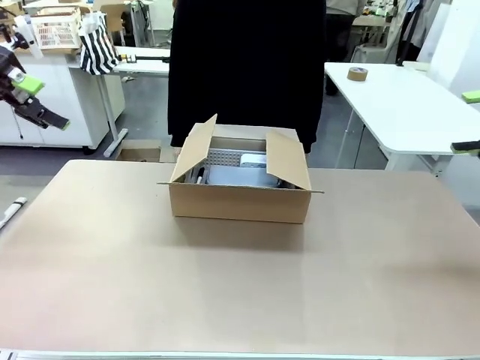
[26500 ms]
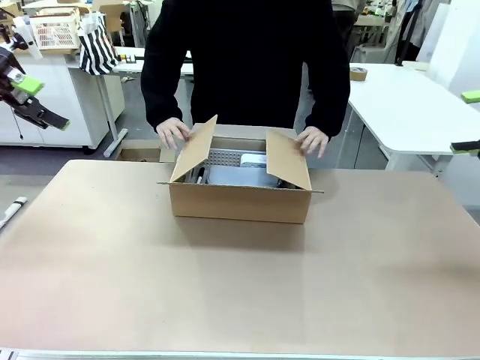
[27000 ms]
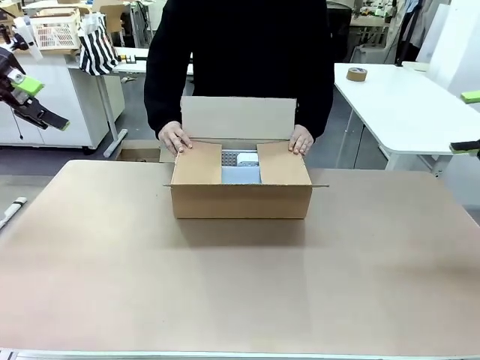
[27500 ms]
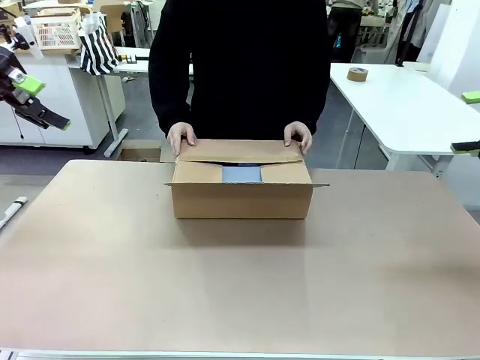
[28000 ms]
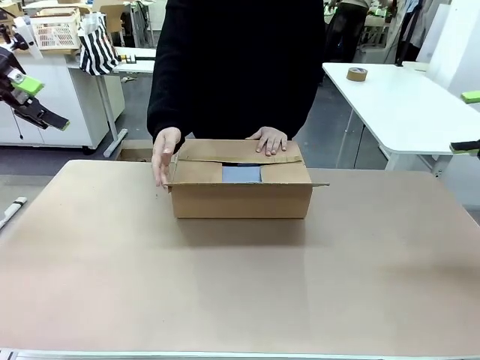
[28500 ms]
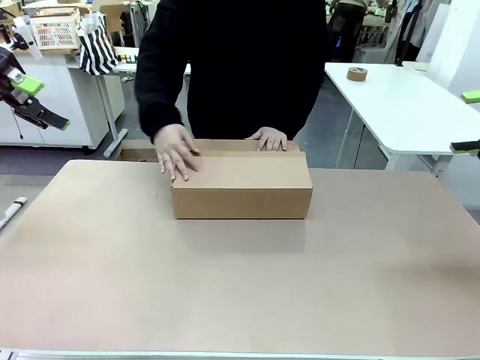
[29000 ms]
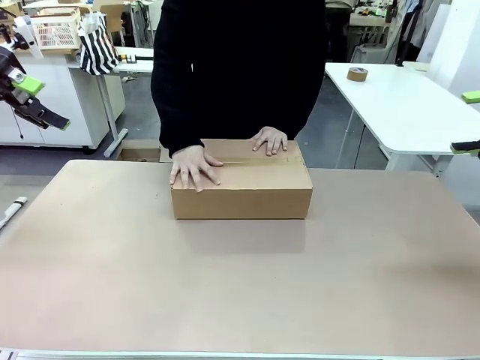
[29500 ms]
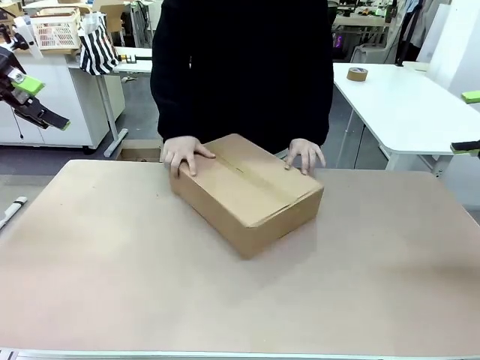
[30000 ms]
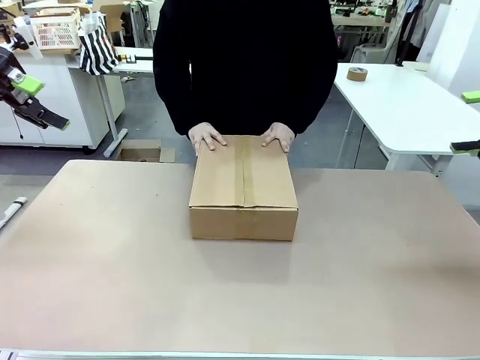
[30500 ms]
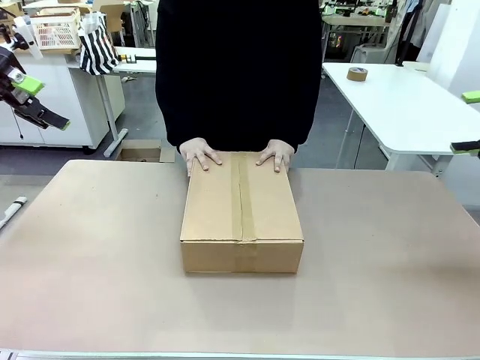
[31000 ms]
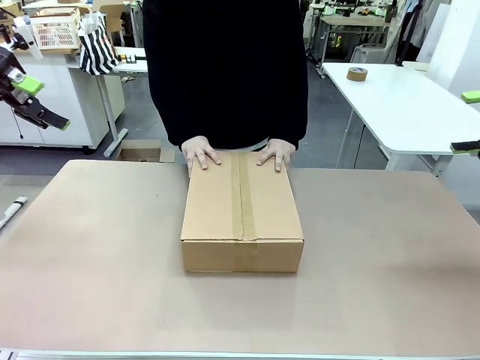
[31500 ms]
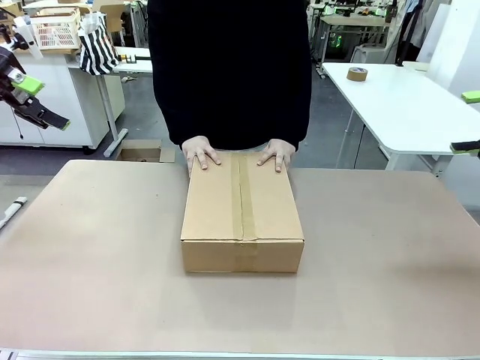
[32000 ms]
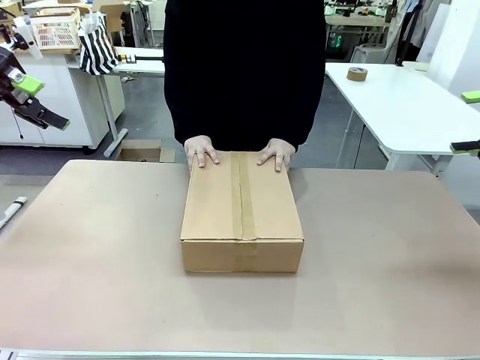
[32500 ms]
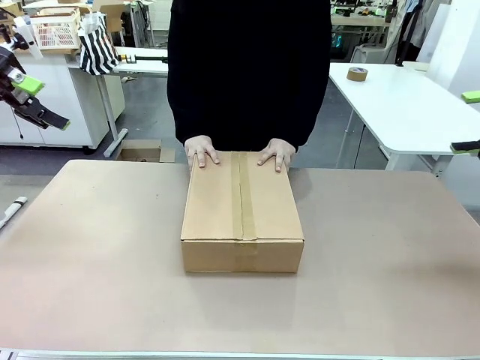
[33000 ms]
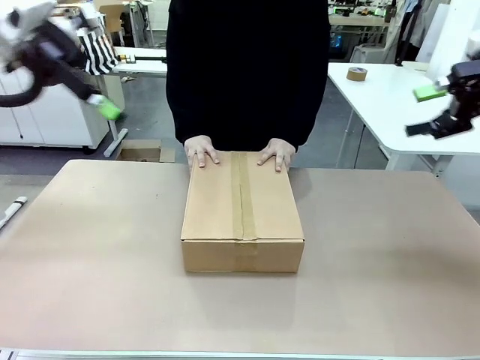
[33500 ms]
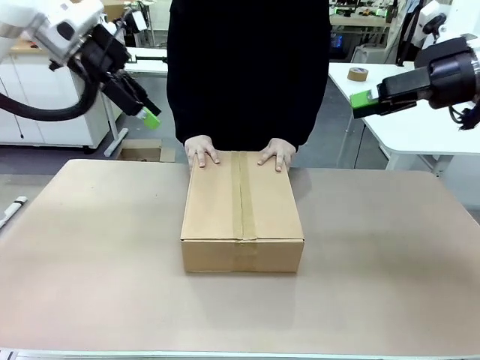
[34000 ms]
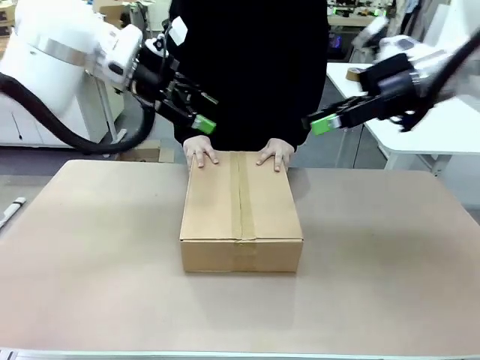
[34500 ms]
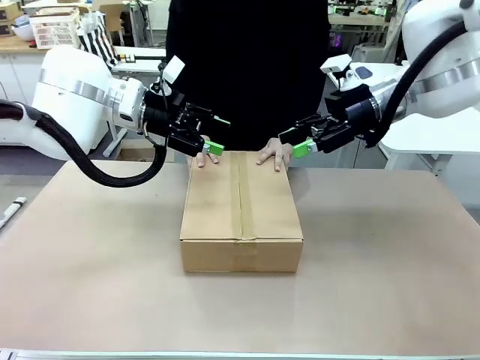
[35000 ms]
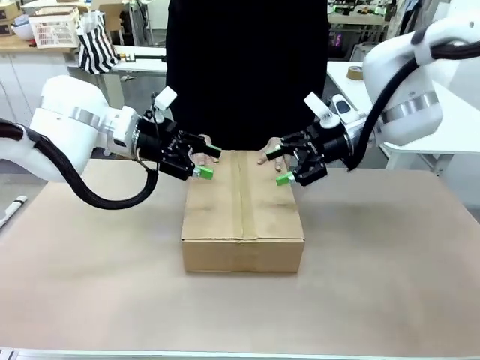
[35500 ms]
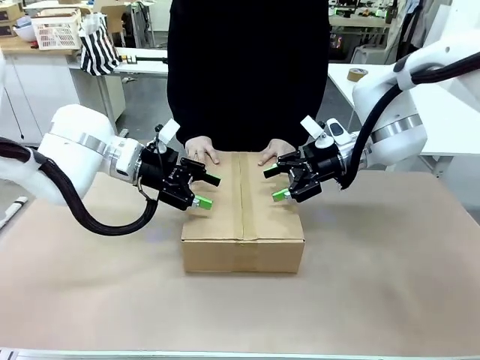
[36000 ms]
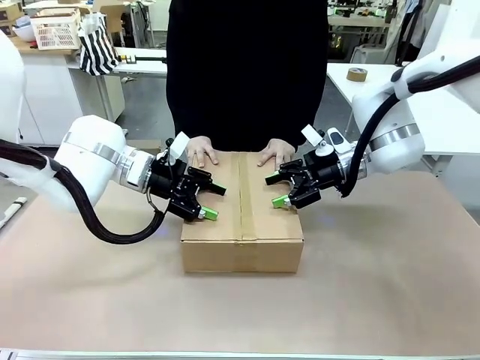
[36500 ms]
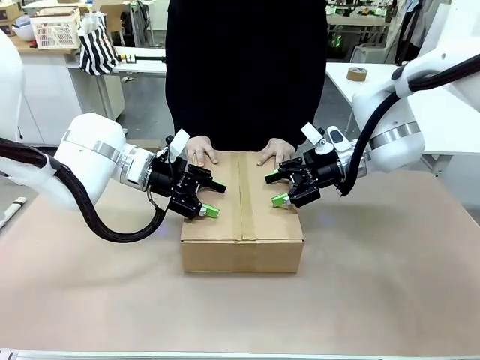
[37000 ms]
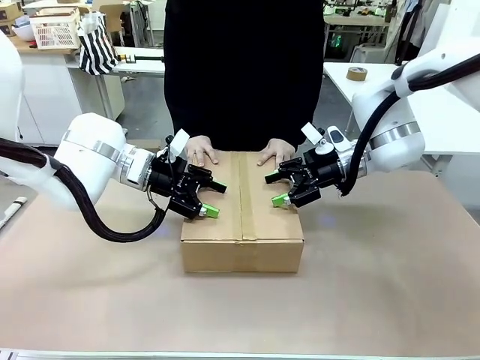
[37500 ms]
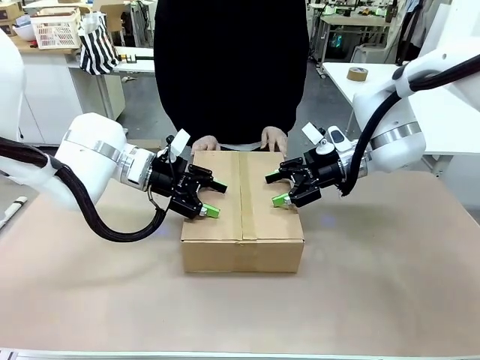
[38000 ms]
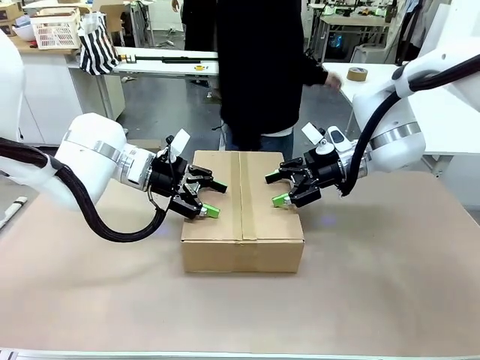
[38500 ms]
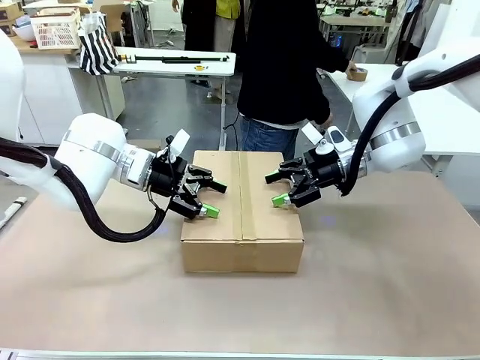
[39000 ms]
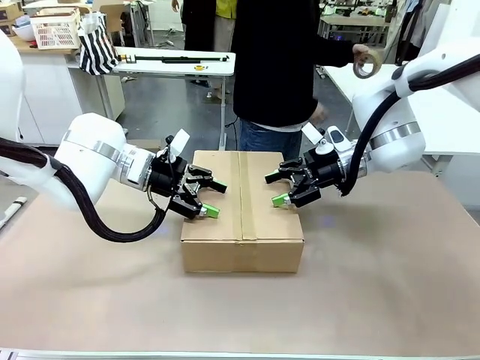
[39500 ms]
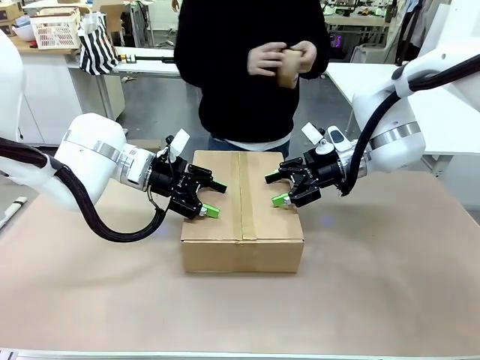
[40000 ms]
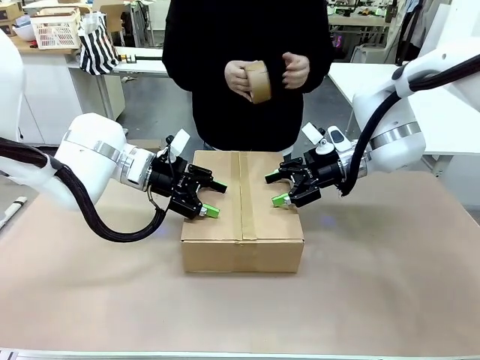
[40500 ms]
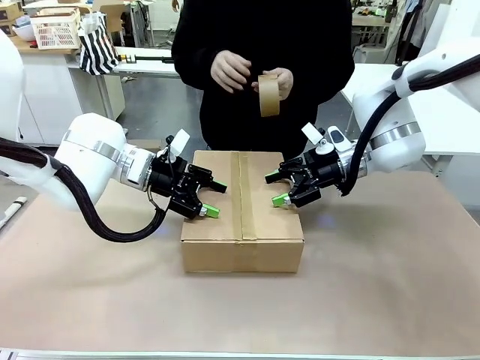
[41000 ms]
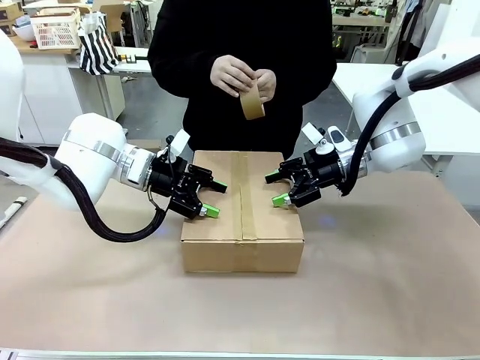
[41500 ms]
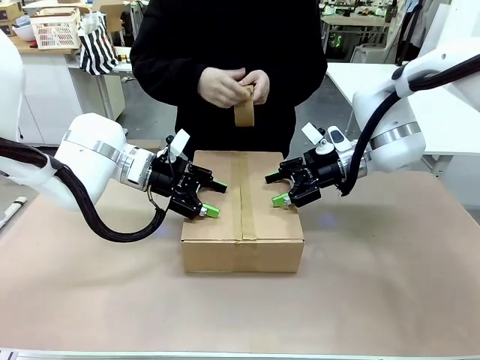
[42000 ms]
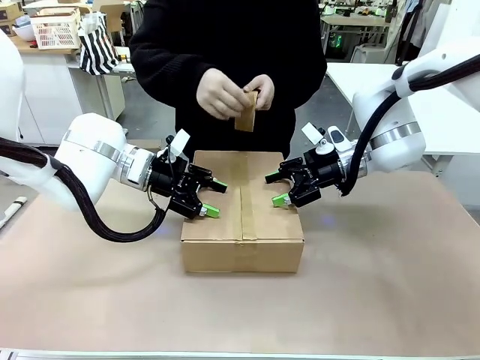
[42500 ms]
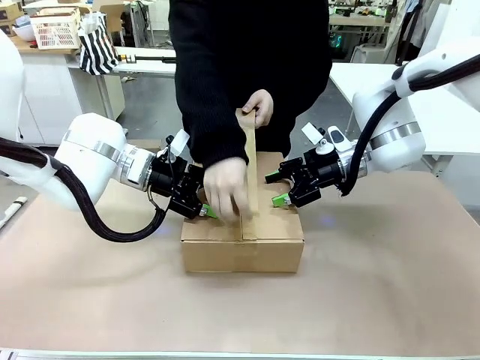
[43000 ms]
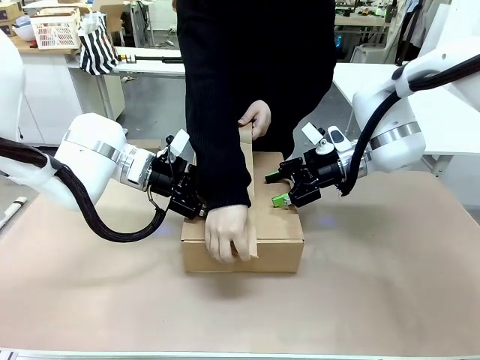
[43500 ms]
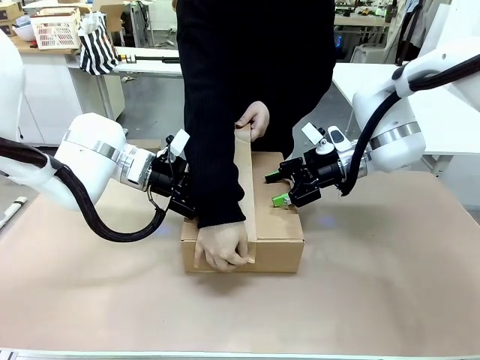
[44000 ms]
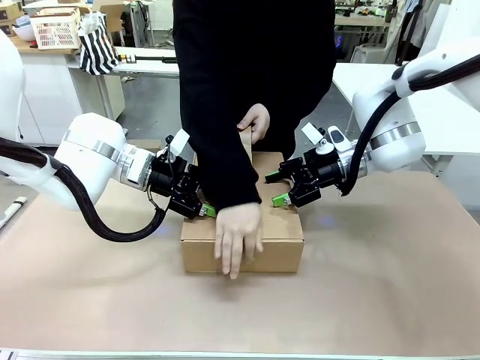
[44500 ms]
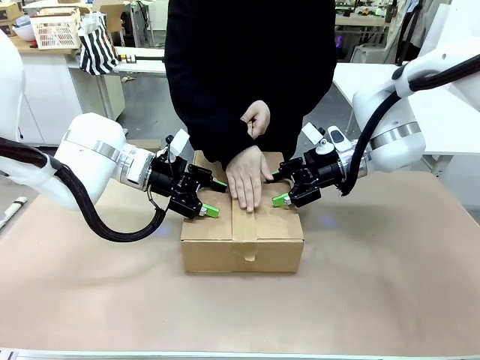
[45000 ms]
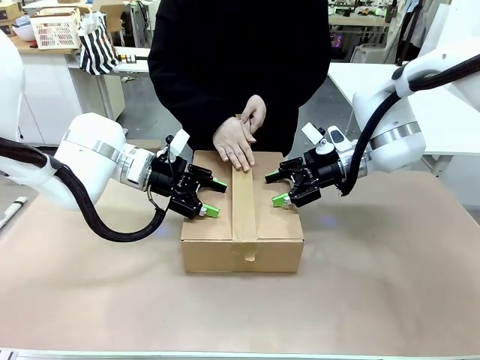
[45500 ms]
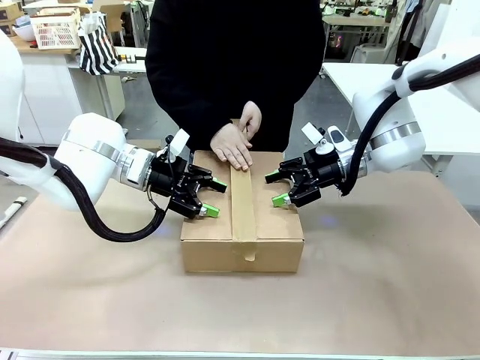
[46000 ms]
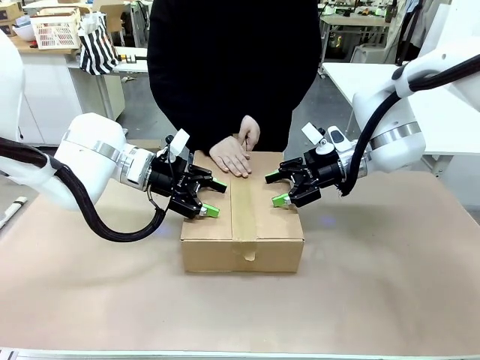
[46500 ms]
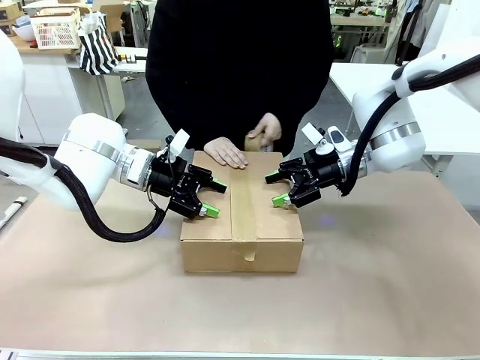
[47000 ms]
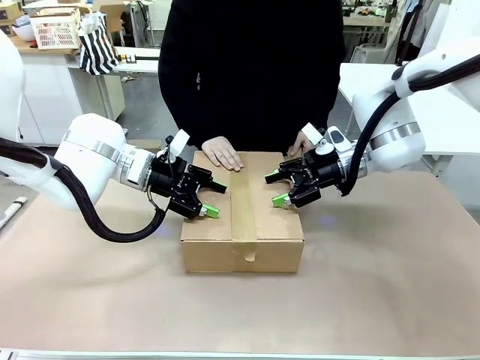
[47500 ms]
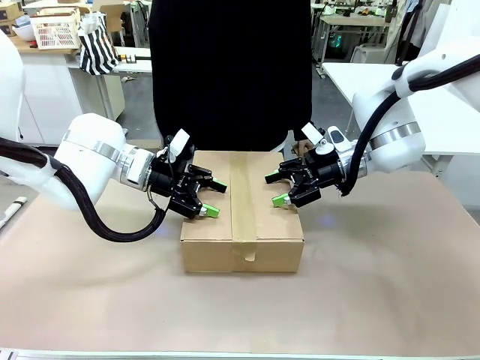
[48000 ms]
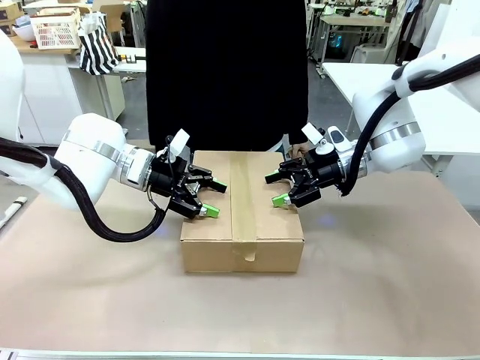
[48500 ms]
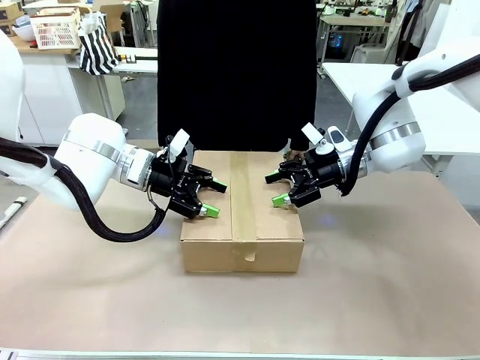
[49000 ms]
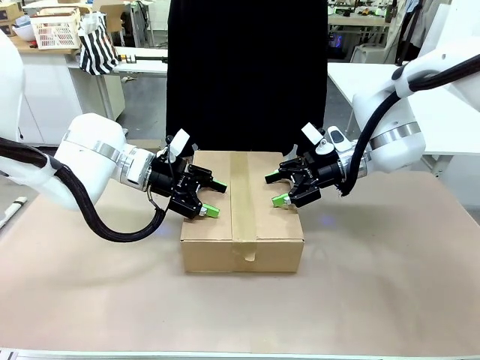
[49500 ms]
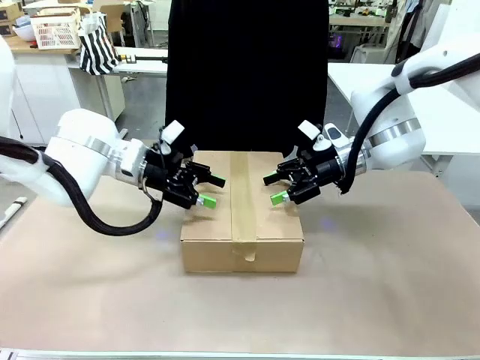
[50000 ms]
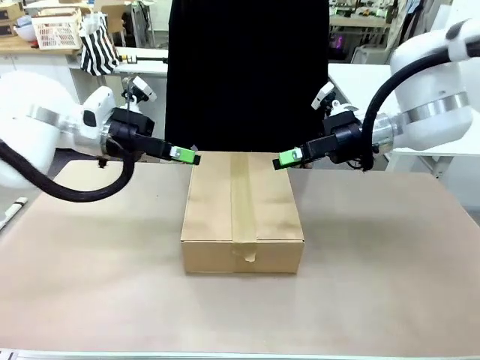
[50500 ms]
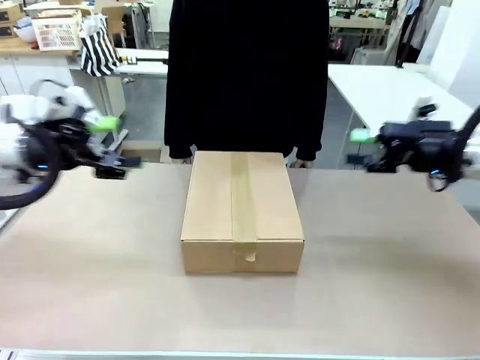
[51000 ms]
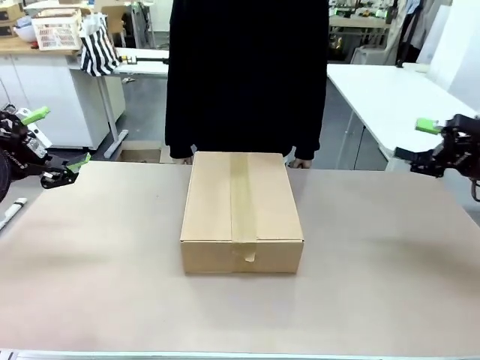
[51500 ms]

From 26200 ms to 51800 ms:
Task: Pack the gift set into the box.
Robot: Press and hold the closed box until the human finishes sealing it.
Person: The human closes the box and rotates the box by 90 degrees. The human picks up the paper tape from the human table and packs the box.
